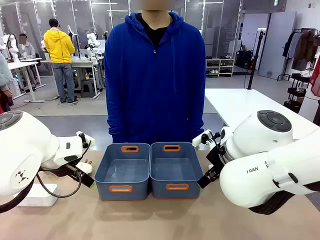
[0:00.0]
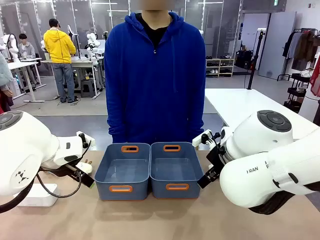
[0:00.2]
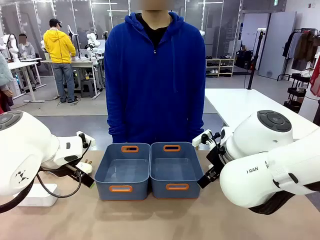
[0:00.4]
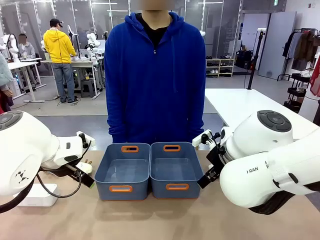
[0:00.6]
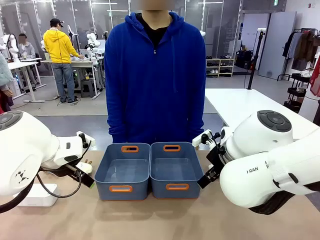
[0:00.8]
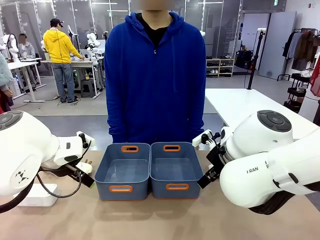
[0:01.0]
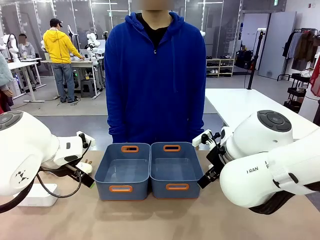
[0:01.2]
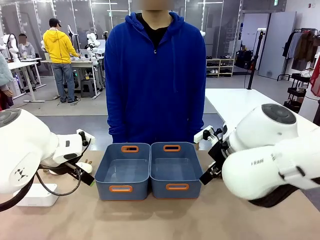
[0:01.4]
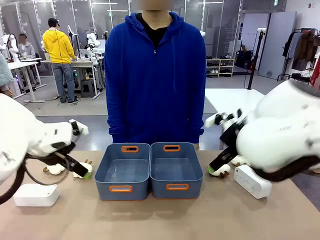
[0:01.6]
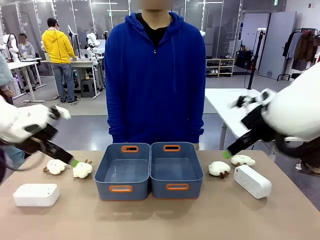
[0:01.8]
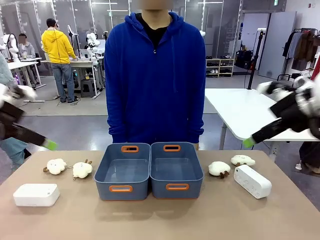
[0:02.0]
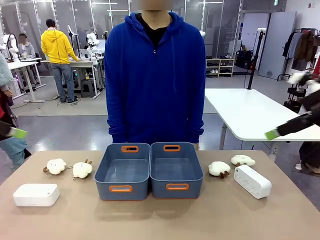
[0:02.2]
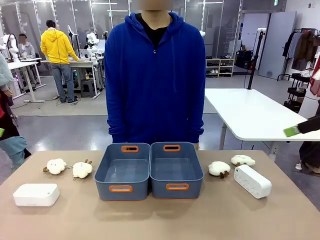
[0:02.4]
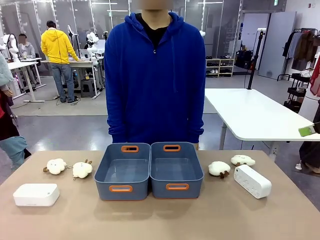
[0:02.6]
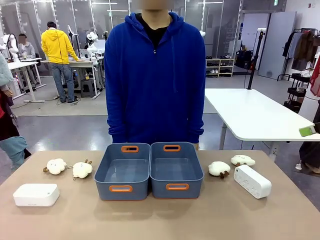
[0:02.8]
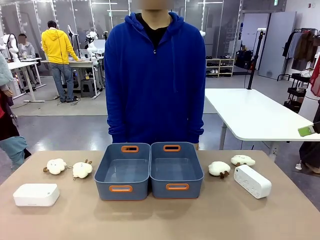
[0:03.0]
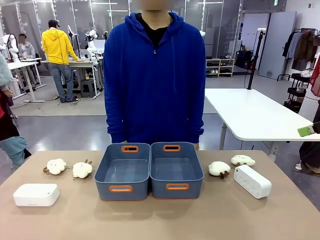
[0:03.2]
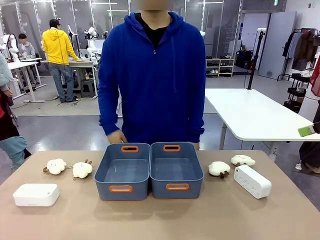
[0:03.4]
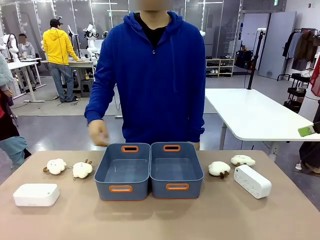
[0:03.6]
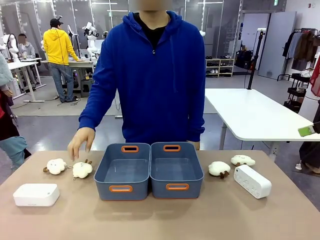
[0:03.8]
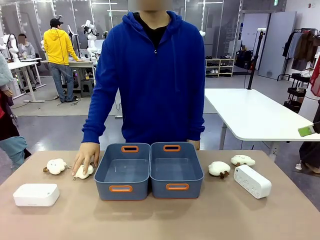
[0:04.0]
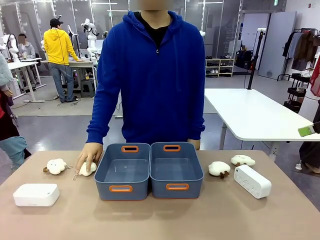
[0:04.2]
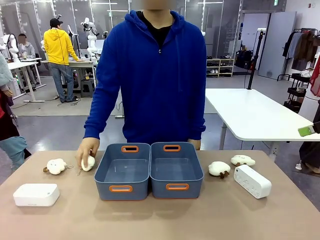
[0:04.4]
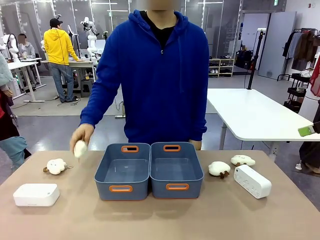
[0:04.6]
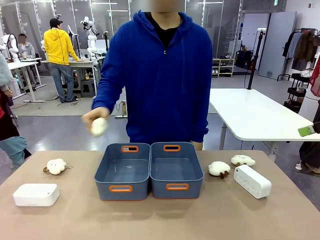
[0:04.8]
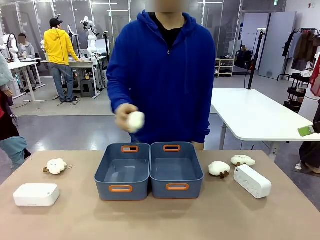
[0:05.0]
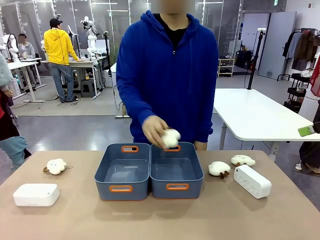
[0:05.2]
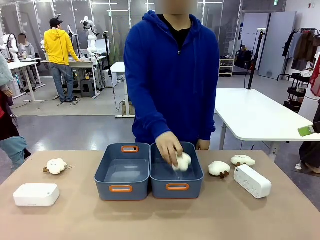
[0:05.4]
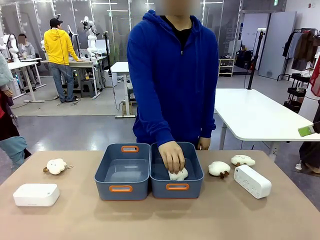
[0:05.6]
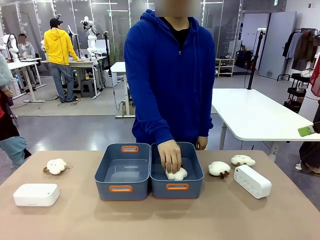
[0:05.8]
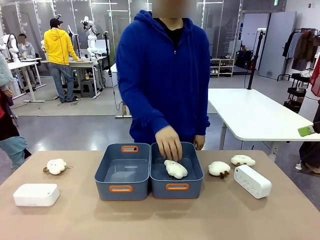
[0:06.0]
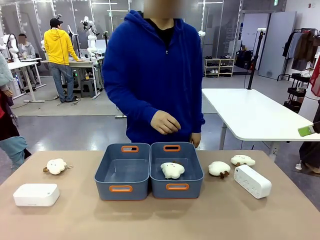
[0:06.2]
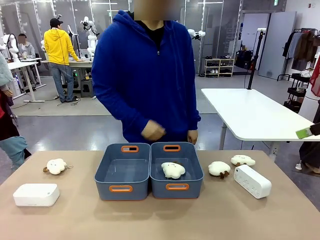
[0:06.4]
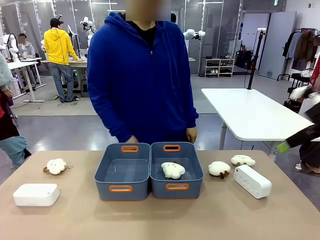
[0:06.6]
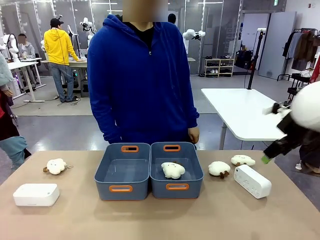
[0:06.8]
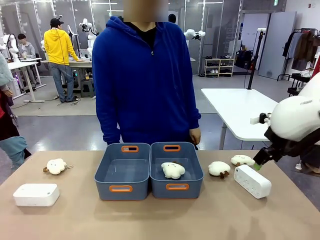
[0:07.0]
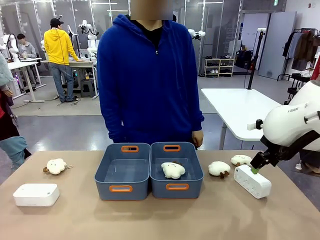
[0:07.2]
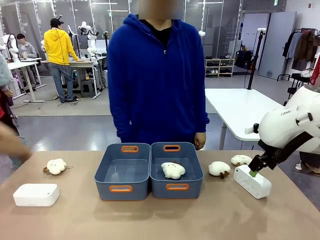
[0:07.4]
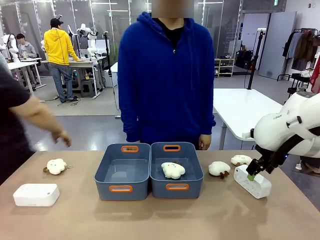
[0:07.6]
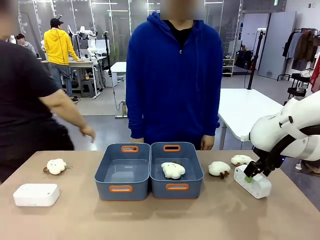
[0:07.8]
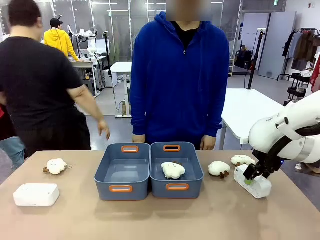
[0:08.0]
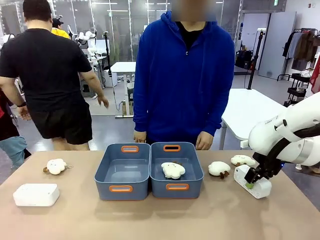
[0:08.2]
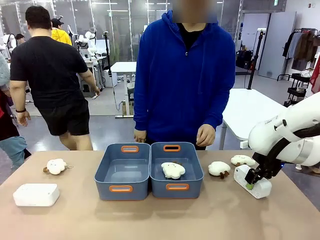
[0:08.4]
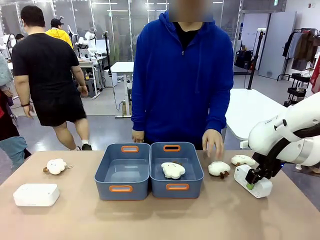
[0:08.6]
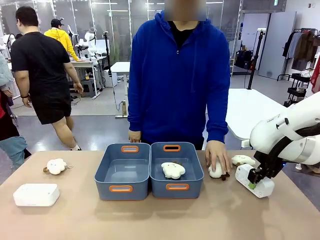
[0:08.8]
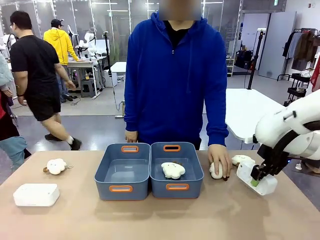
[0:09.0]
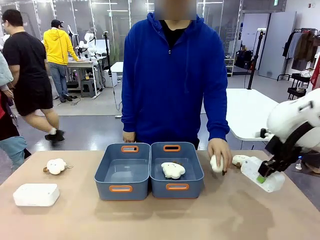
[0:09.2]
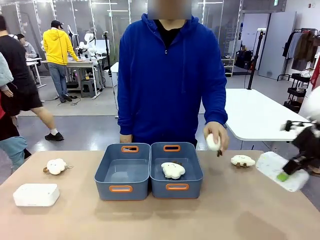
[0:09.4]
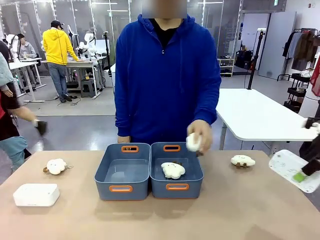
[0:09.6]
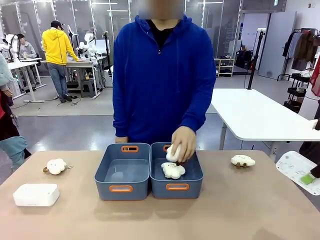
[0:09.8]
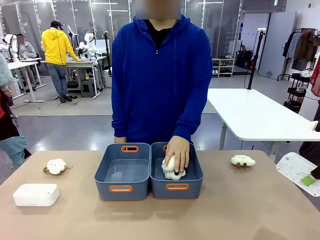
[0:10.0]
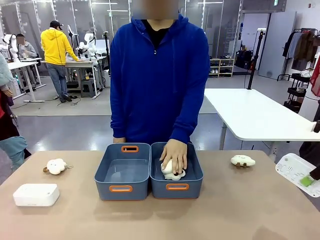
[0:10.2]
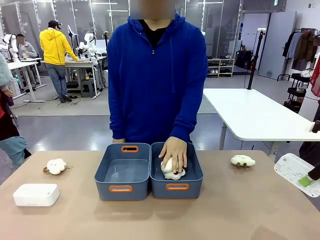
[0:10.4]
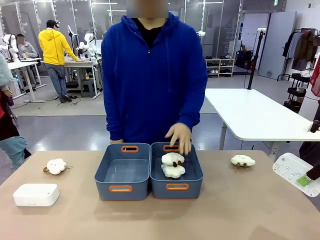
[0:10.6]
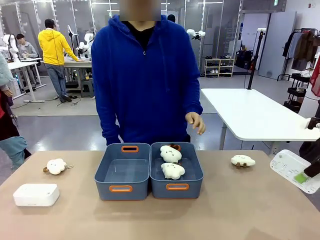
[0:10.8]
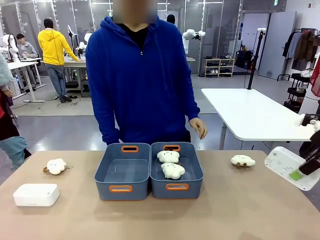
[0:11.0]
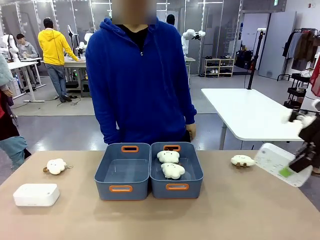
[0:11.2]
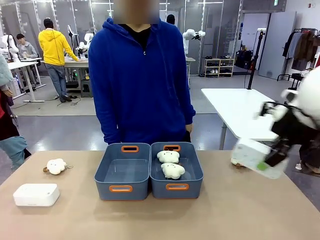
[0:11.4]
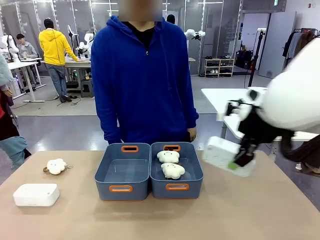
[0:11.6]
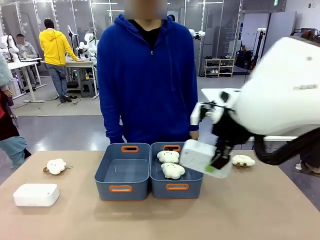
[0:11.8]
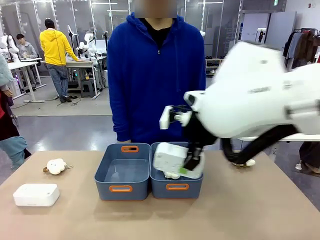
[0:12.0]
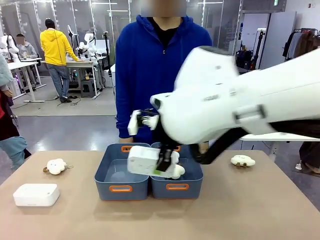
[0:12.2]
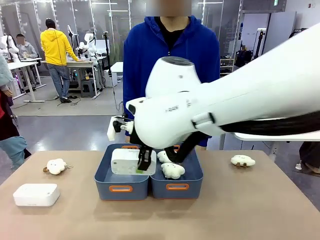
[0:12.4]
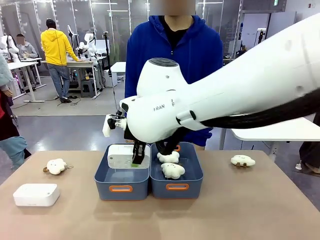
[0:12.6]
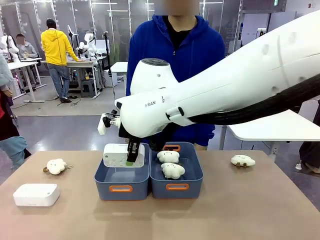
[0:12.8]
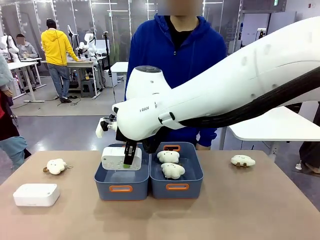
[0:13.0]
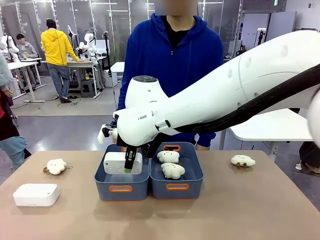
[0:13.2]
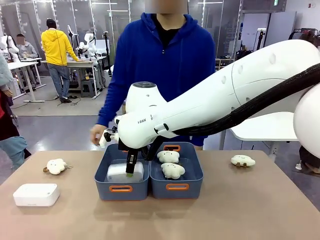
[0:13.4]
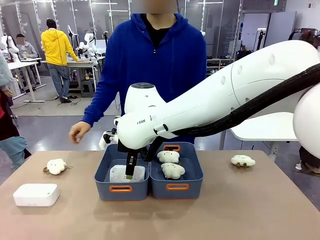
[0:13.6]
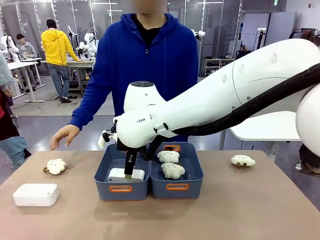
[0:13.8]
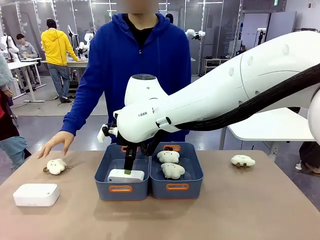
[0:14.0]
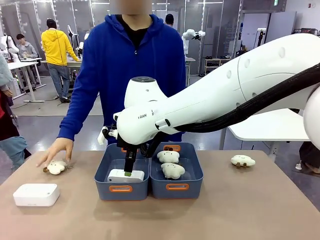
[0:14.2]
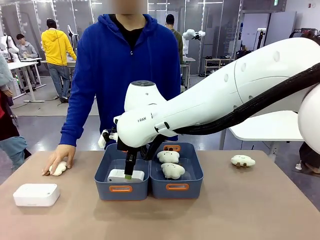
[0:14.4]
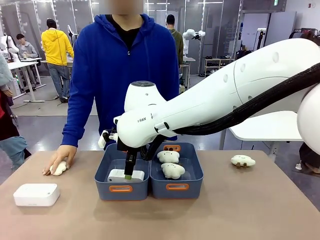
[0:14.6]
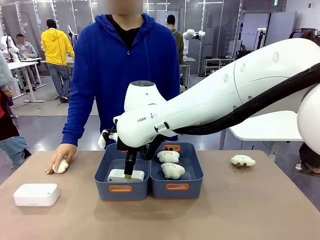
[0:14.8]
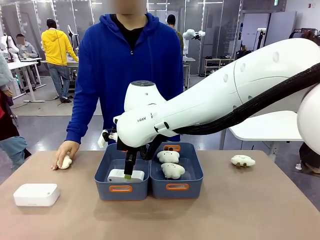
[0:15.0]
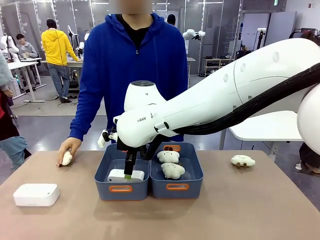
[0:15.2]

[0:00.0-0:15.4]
Task: Sort the digital clocks into the basket.
Robot: Pick up the Digital clock from the table and place it into the empty Plastic storage basket.
Person: Pick up a plush toy from the table and place it in a plastic storage basket.
